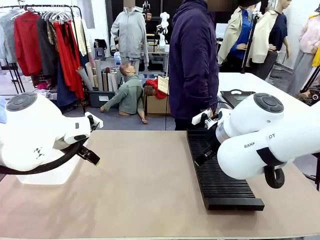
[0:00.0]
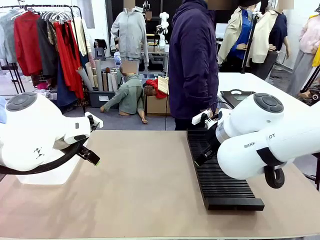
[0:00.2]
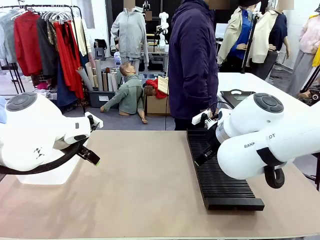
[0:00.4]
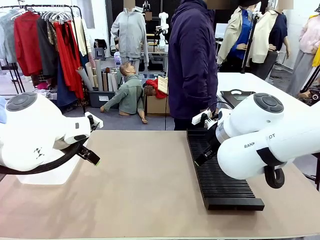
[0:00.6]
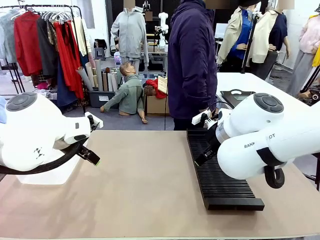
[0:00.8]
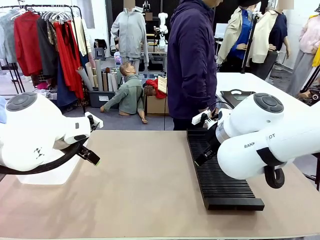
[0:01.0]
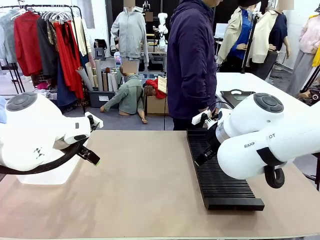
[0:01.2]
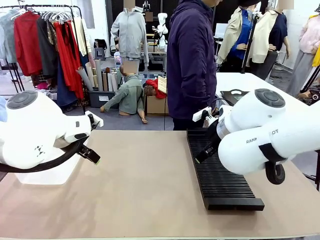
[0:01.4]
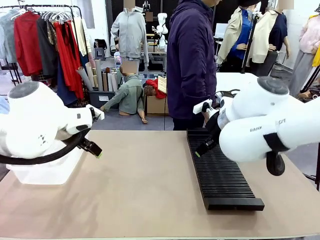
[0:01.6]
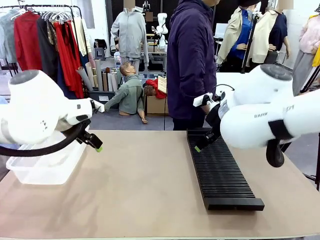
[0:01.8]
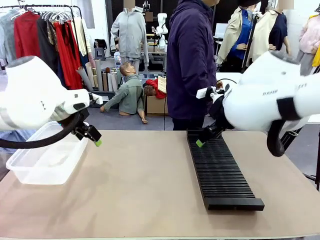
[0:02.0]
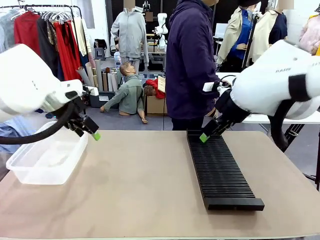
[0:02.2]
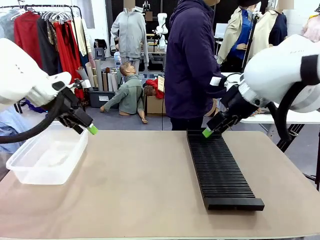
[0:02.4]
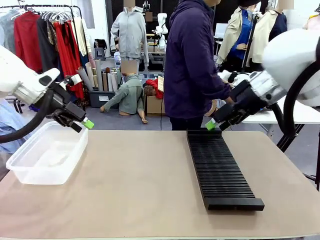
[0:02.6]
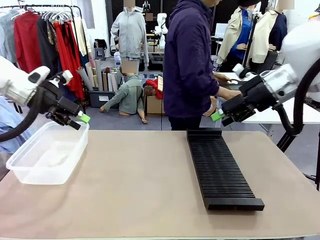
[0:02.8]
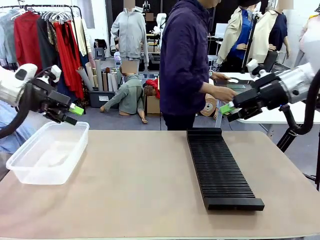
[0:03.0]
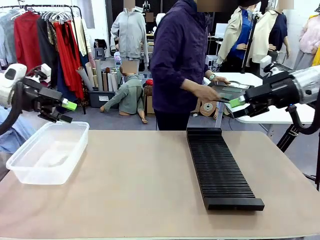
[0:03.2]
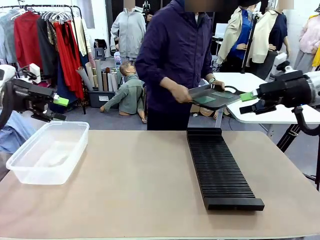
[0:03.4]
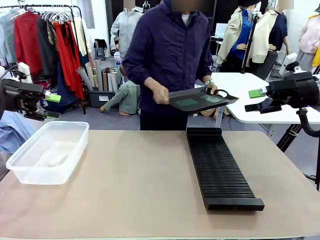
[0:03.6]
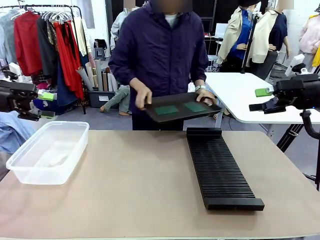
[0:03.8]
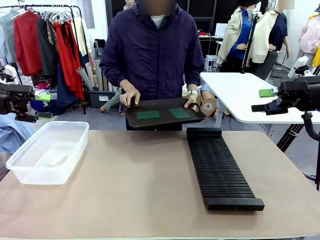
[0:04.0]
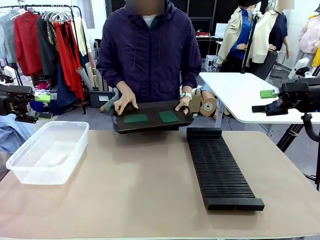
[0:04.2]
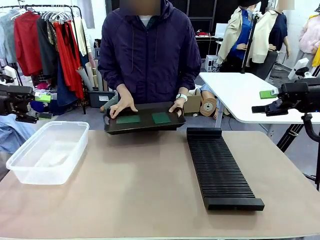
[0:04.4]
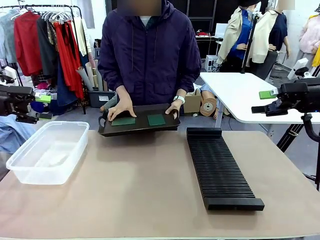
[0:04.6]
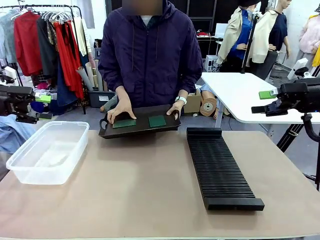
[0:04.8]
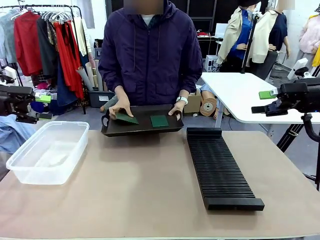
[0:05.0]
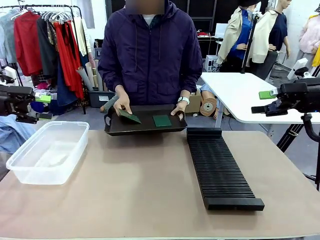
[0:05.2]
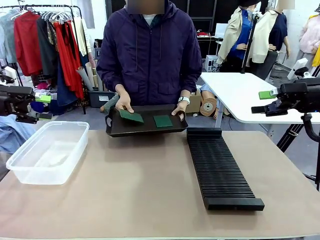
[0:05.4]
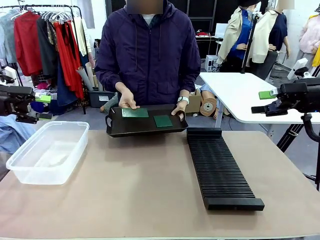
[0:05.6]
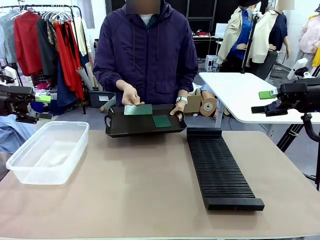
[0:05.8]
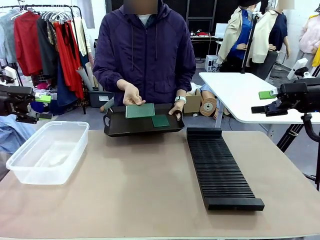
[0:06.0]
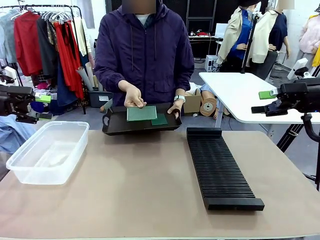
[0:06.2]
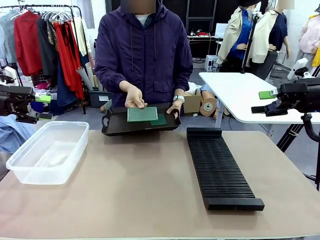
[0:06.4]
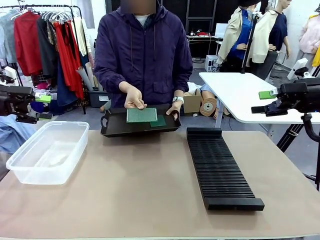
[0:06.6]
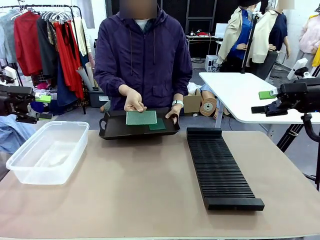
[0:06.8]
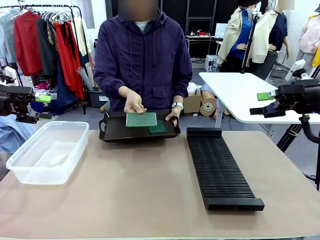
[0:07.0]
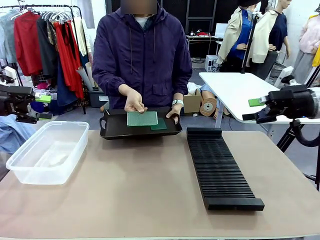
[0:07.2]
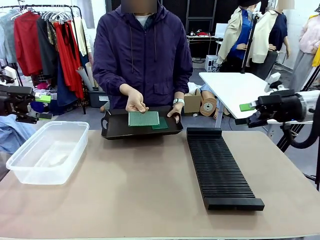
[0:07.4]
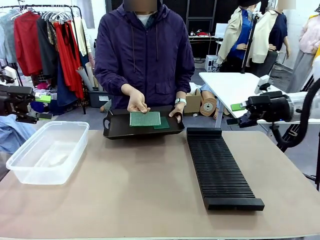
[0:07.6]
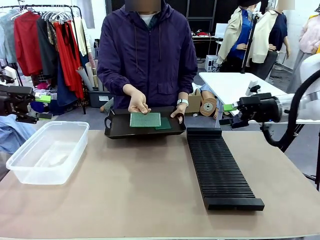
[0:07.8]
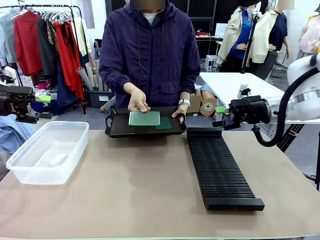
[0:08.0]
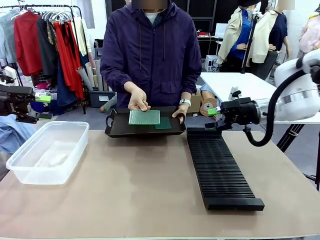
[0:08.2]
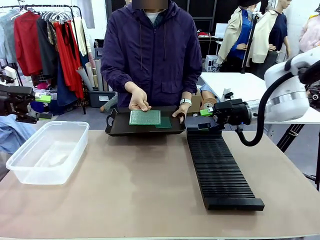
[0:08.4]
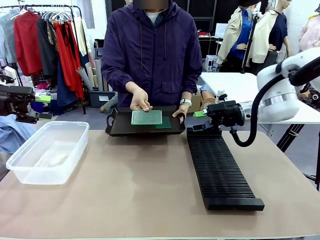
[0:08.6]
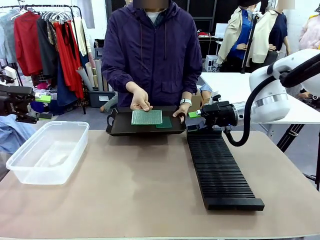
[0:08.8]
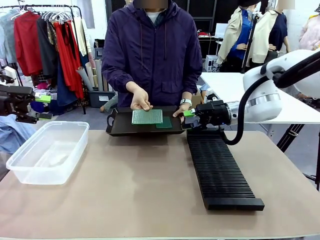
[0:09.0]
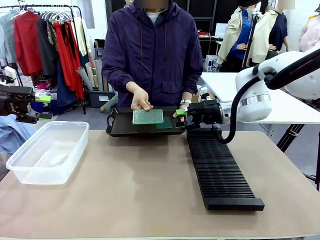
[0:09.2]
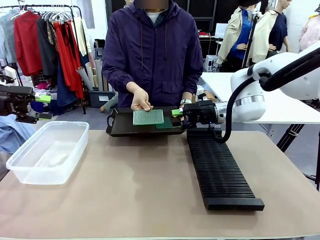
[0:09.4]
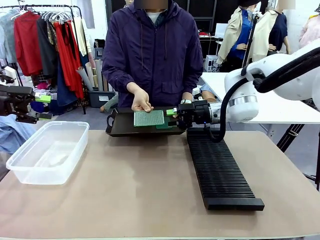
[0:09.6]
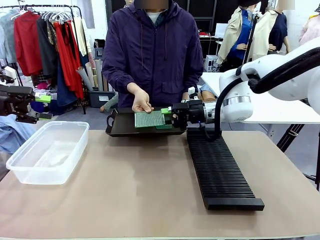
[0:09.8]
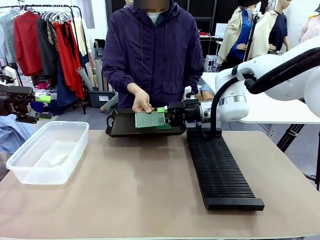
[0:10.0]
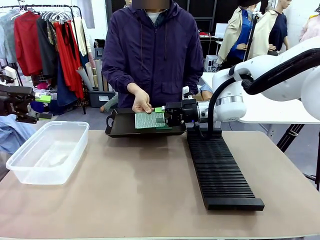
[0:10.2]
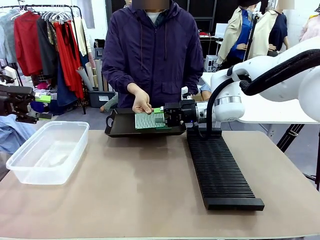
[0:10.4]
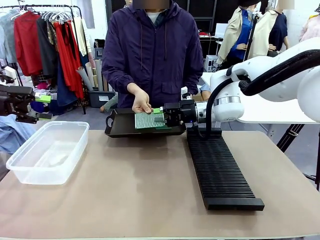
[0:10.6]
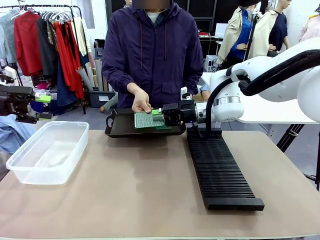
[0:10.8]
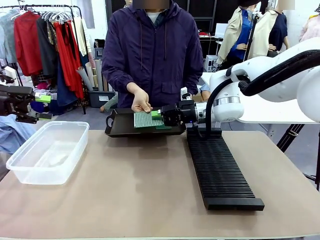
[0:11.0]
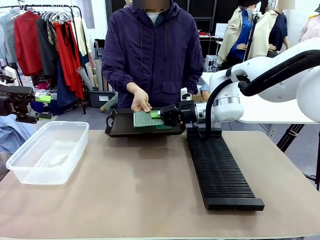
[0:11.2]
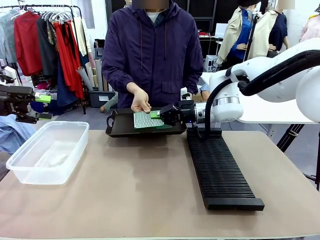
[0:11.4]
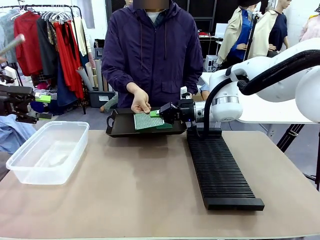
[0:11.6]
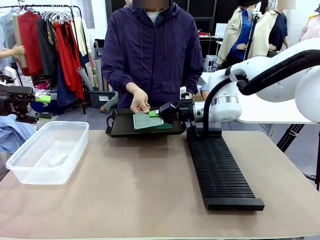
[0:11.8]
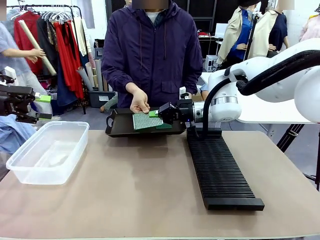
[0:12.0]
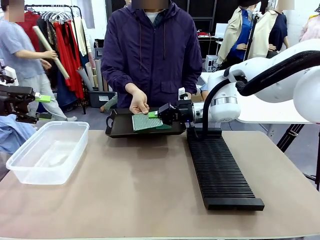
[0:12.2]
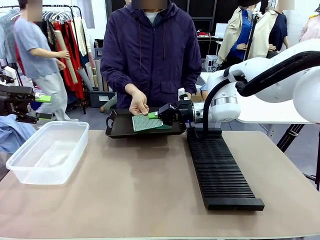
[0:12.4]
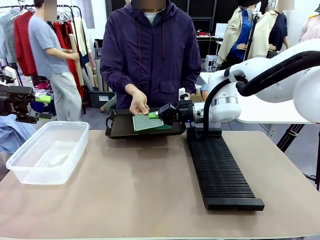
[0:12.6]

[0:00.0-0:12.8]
Task: Sort PCBs into racks and boxes based on the side picked up.
Robot: Pick up the Blank PCB handed by the Human.
Person: Pick one PCB from the tray and present it to the robot. Release the PCB being held.

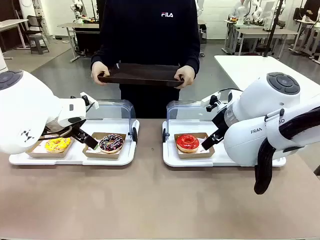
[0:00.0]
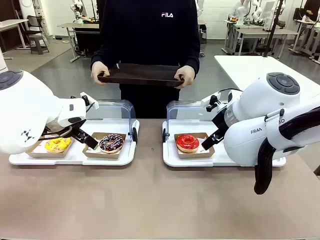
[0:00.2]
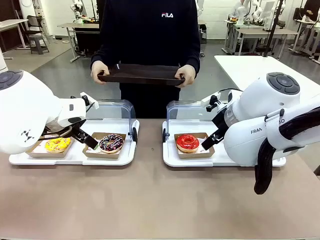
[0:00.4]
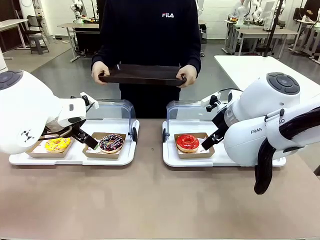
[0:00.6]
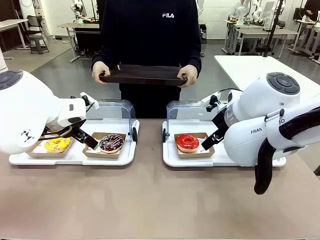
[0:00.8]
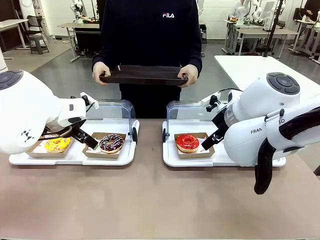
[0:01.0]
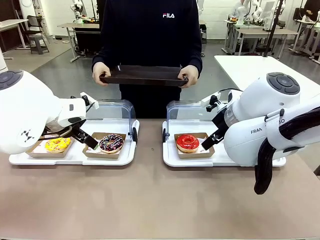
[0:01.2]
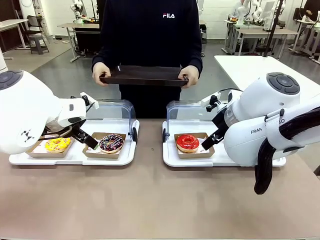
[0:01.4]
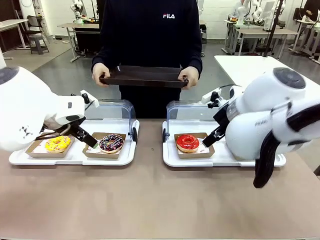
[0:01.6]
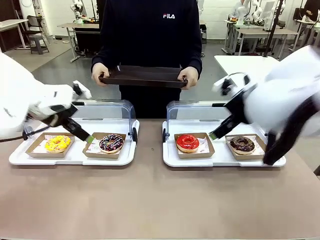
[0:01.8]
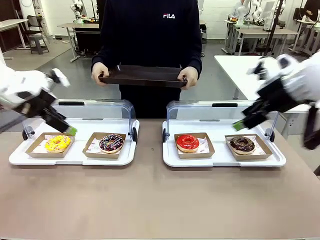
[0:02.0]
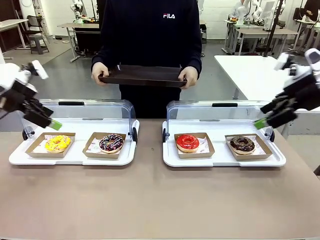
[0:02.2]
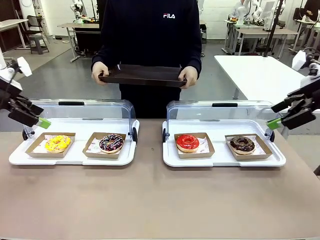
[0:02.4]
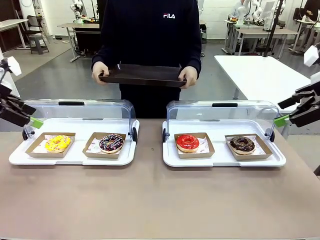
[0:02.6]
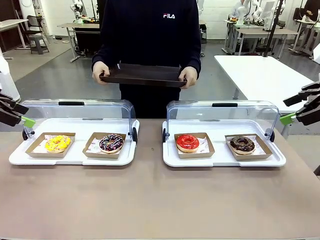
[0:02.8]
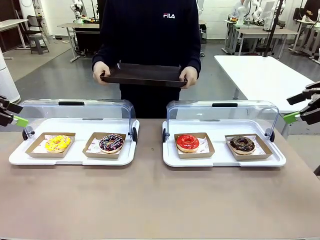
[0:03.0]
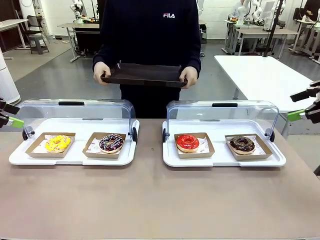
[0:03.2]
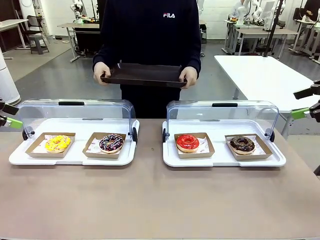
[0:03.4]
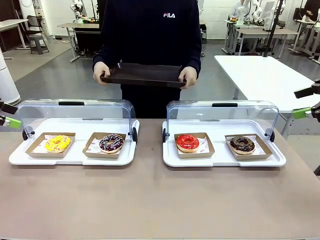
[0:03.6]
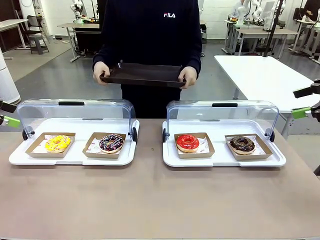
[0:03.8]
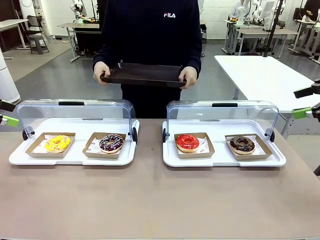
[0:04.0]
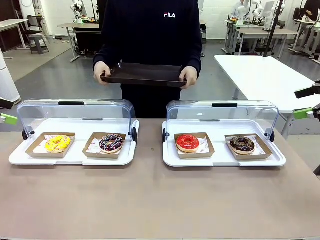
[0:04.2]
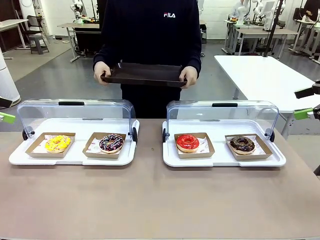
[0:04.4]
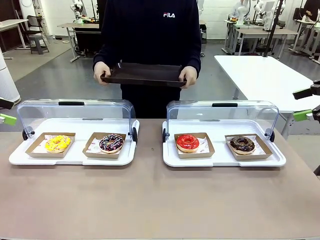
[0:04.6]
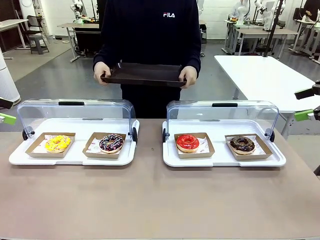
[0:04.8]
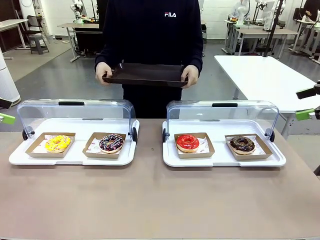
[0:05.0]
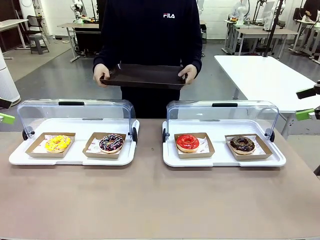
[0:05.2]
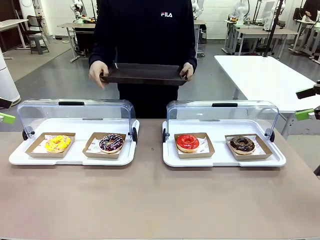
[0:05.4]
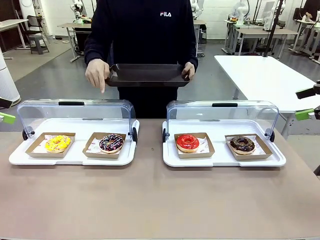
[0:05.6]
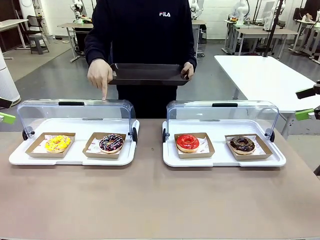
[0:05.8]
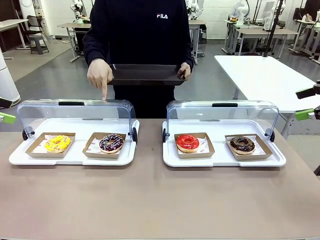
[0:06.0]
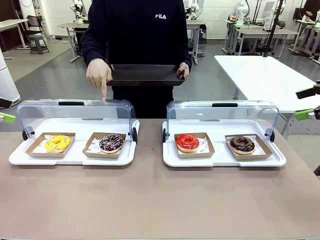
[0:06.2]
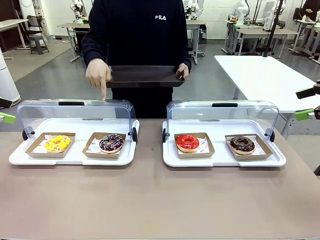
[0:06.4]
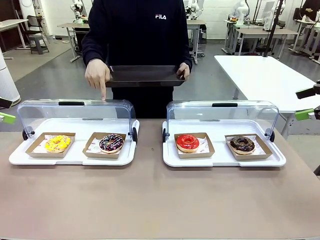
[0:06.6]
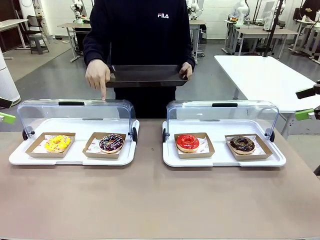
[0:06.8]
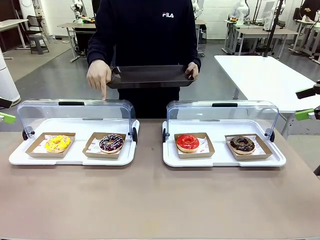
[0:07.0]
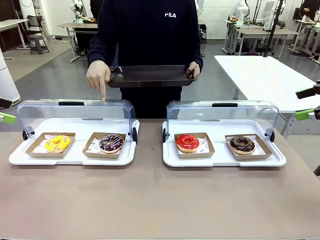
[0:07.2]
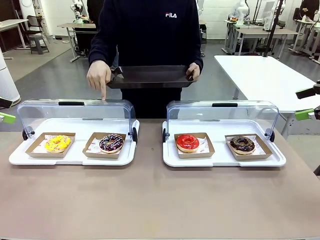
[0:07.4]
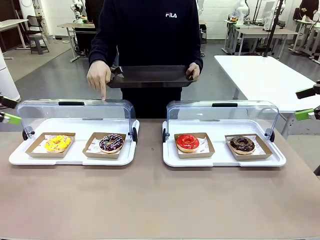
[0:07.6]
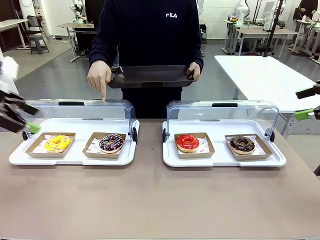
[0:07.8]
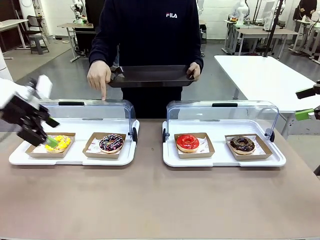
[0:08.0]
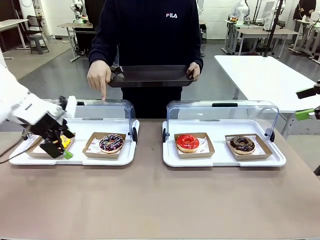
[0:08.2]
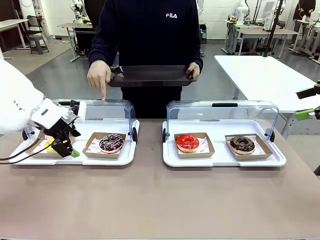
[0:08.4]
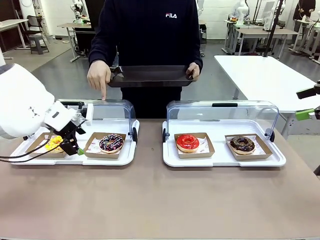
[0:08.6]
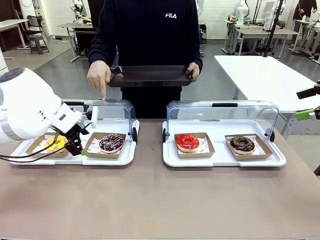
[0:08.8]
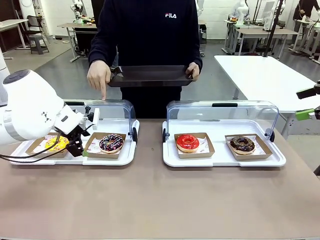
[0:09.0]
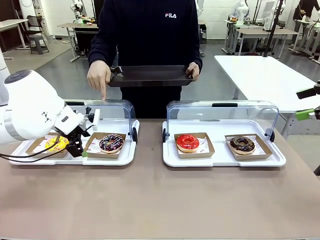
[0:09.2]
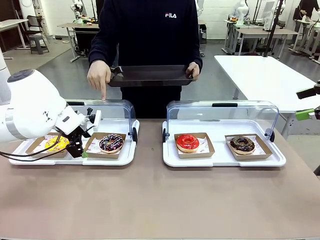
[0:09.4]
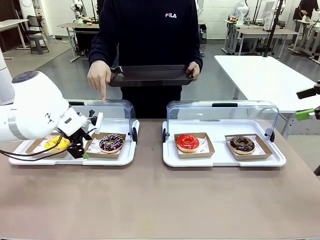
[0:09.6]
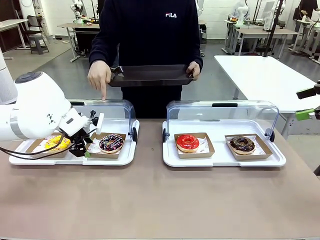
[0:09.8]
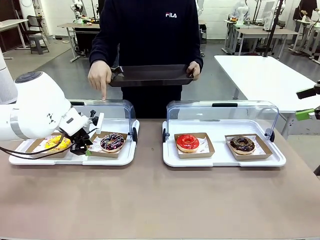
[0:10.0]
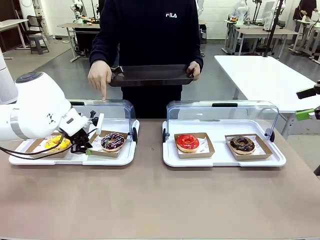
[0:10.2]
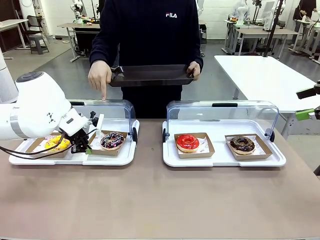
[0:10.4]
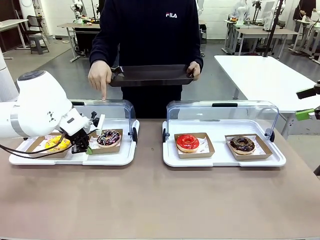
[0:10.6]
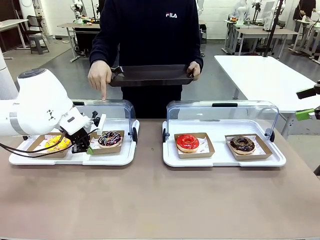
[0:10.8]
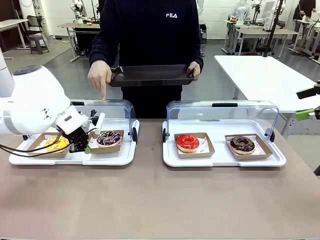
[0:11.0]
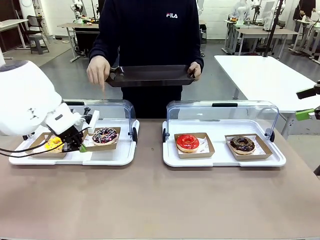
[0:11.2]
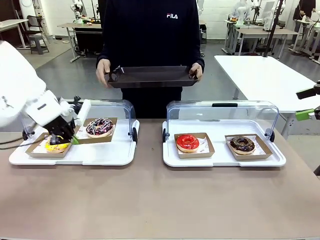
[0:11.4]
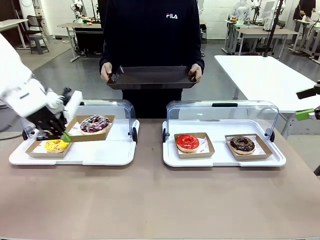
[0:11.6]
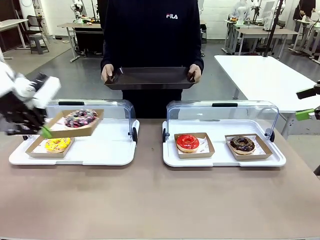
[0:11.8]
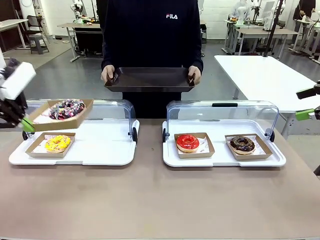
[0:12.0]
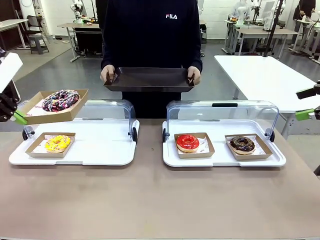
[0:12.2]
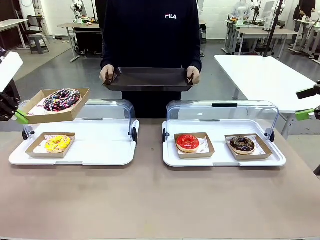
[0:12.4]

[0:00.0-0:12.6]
Task: Provide the desired donut to the person.
Robot: Pick up and lift the Paper togo box containing the Donut pointed at by the person.
Person: Point to one donut. Lift the tray onto the Roll-Top Bakery Case.
